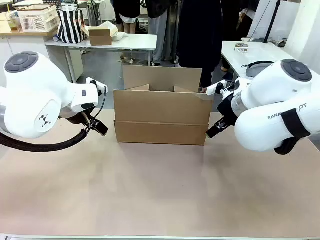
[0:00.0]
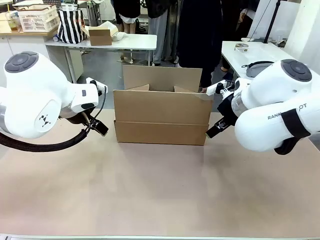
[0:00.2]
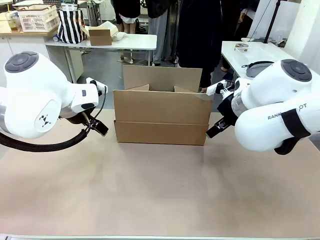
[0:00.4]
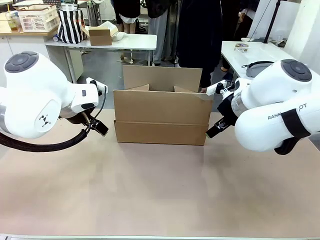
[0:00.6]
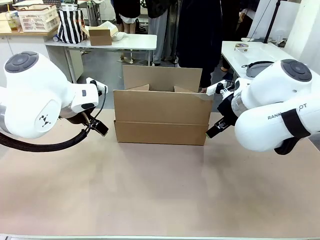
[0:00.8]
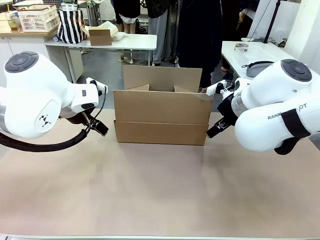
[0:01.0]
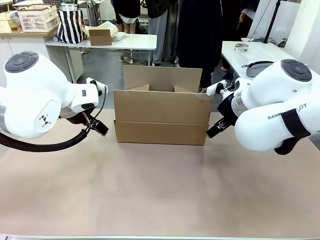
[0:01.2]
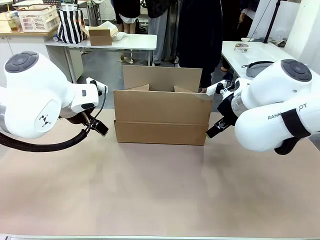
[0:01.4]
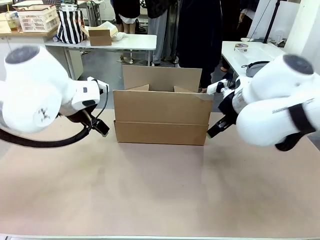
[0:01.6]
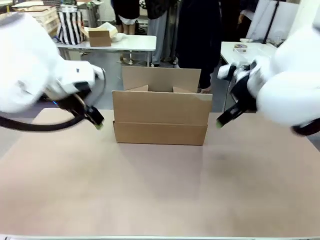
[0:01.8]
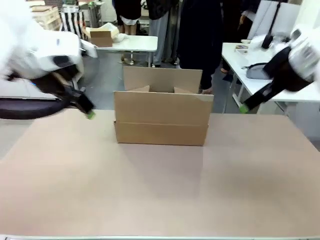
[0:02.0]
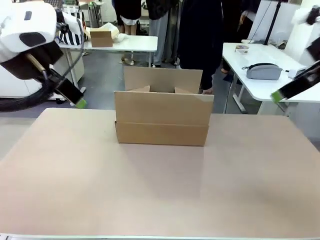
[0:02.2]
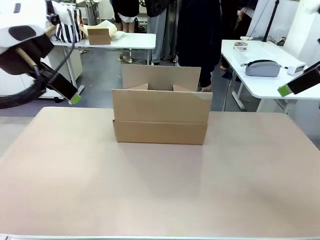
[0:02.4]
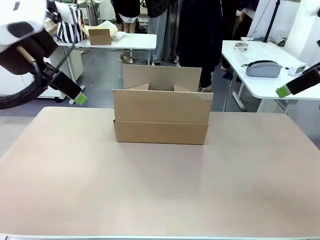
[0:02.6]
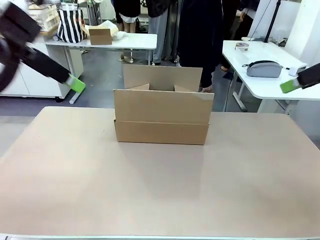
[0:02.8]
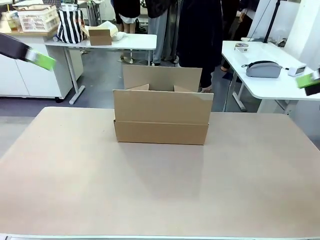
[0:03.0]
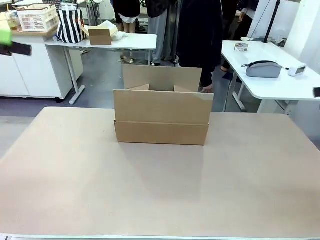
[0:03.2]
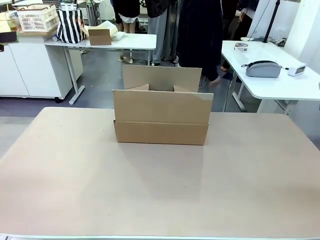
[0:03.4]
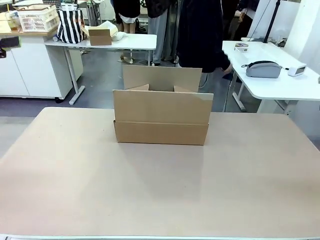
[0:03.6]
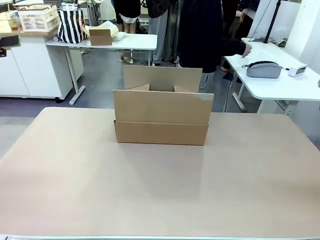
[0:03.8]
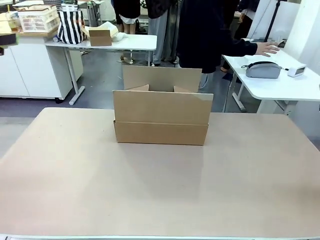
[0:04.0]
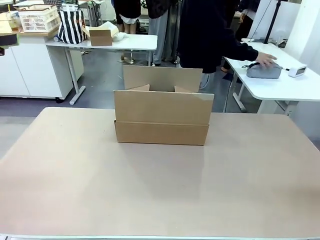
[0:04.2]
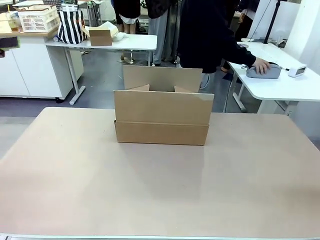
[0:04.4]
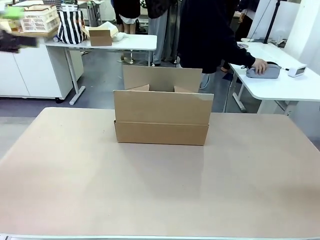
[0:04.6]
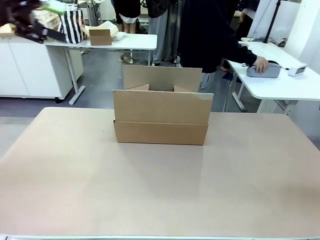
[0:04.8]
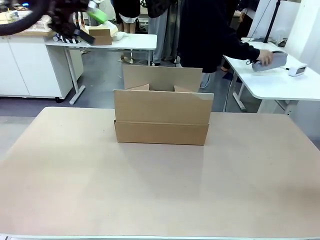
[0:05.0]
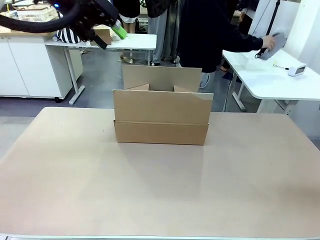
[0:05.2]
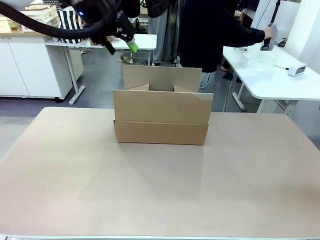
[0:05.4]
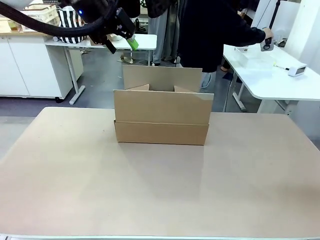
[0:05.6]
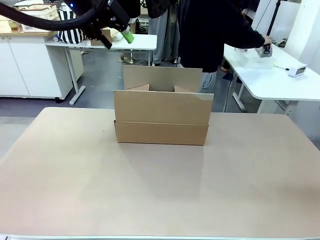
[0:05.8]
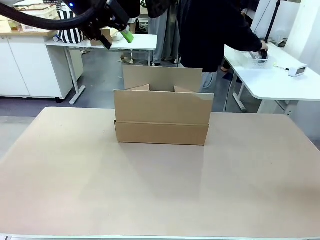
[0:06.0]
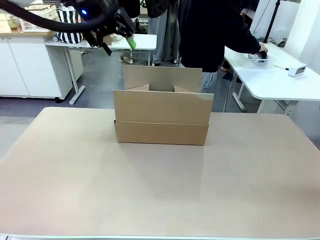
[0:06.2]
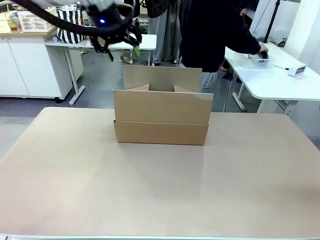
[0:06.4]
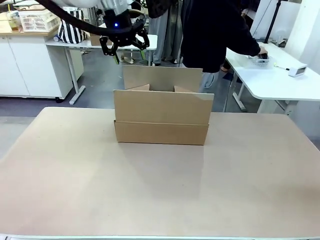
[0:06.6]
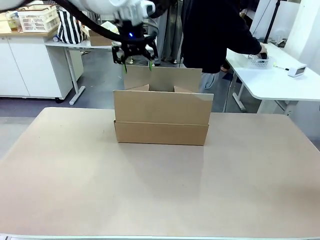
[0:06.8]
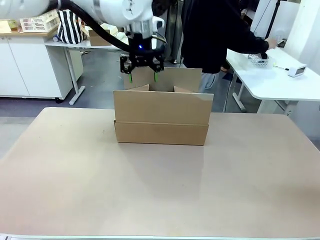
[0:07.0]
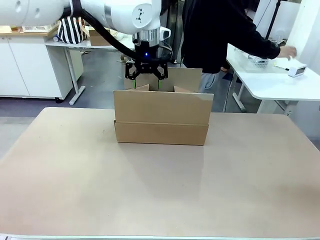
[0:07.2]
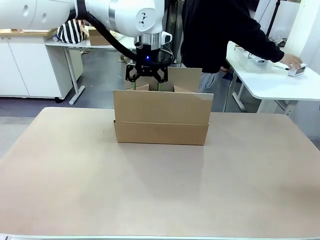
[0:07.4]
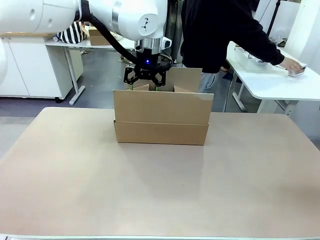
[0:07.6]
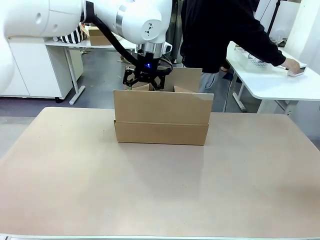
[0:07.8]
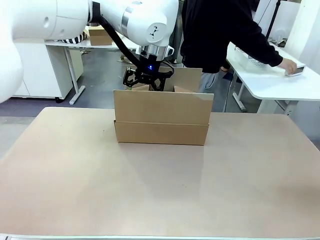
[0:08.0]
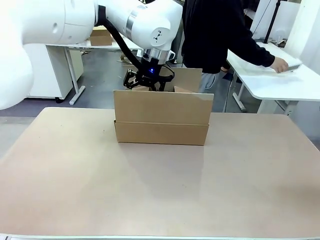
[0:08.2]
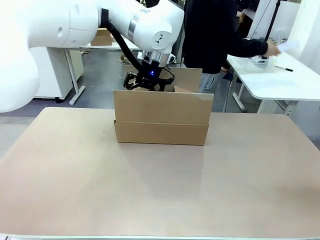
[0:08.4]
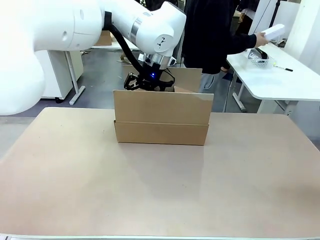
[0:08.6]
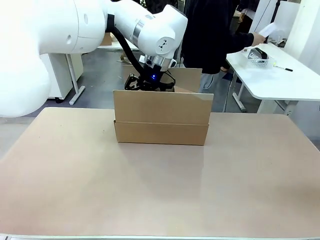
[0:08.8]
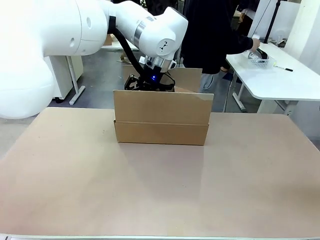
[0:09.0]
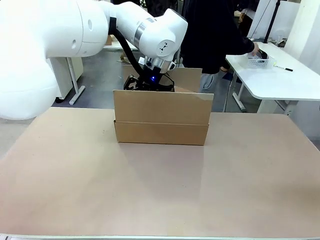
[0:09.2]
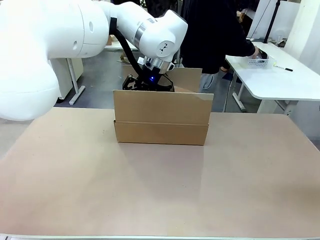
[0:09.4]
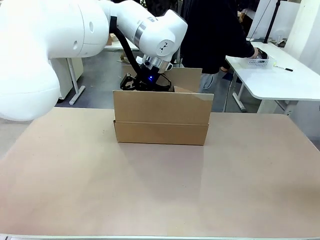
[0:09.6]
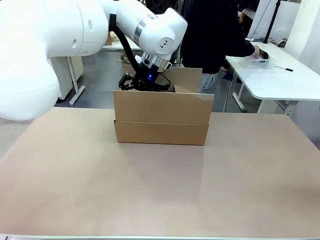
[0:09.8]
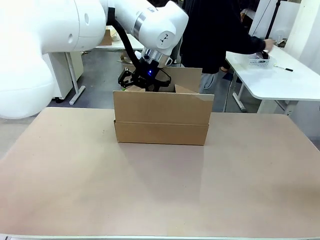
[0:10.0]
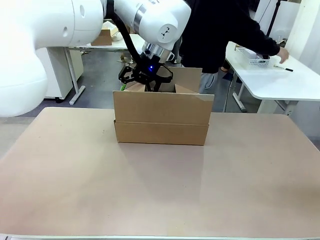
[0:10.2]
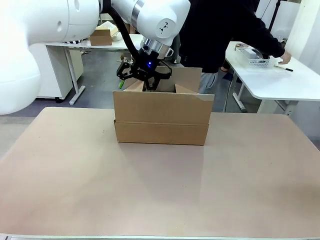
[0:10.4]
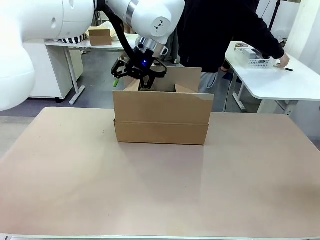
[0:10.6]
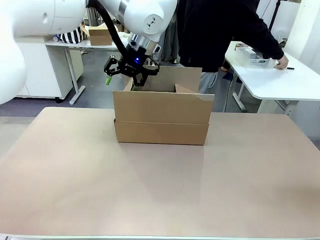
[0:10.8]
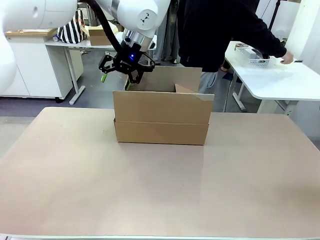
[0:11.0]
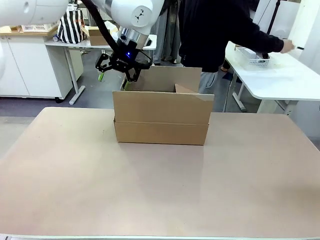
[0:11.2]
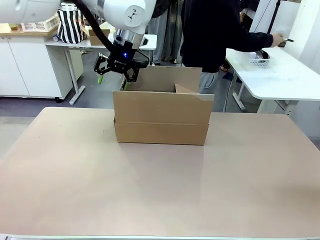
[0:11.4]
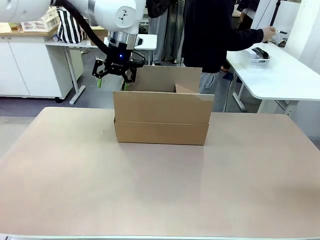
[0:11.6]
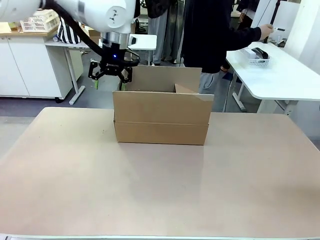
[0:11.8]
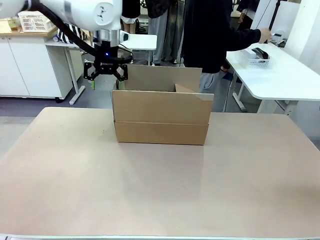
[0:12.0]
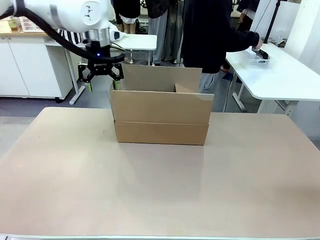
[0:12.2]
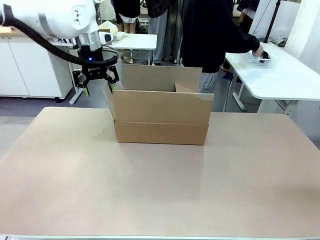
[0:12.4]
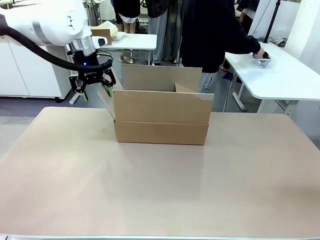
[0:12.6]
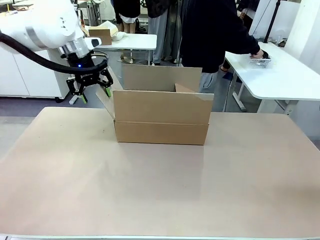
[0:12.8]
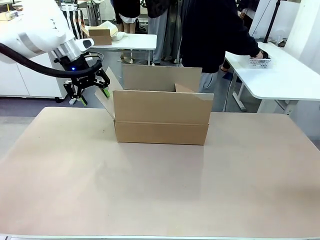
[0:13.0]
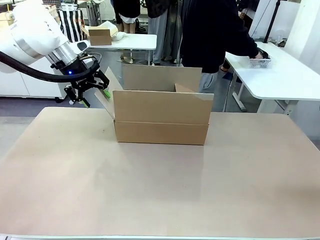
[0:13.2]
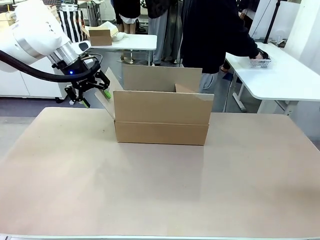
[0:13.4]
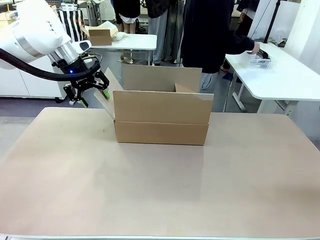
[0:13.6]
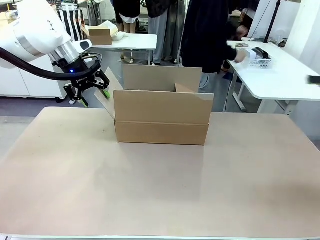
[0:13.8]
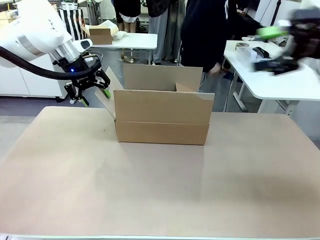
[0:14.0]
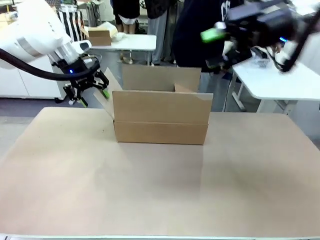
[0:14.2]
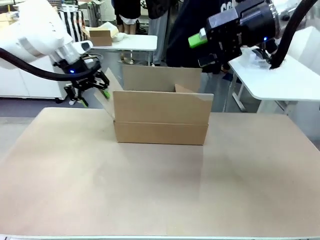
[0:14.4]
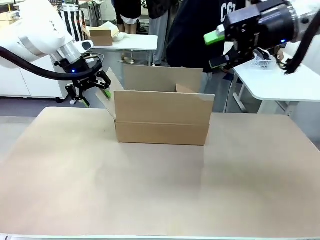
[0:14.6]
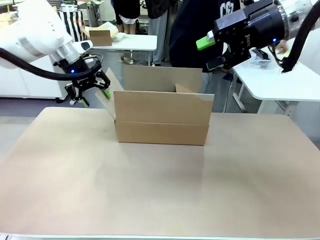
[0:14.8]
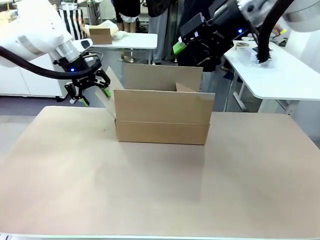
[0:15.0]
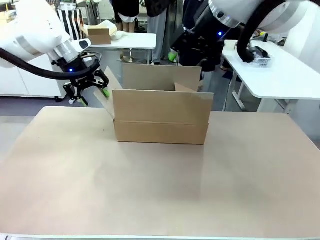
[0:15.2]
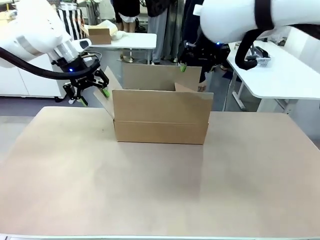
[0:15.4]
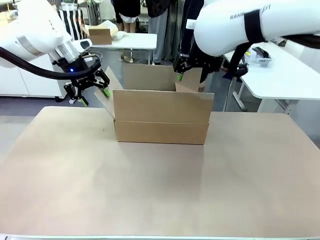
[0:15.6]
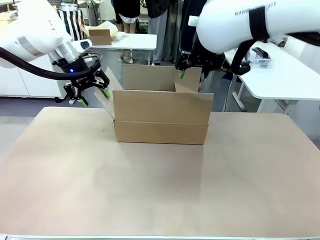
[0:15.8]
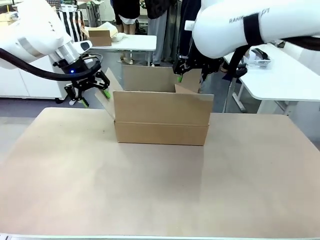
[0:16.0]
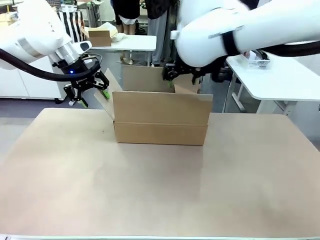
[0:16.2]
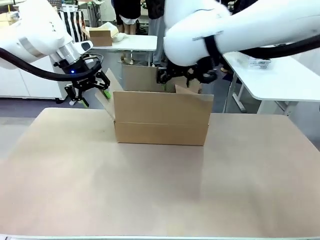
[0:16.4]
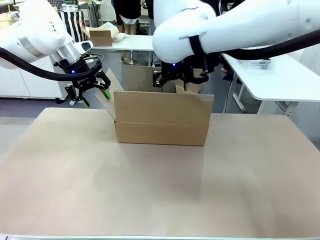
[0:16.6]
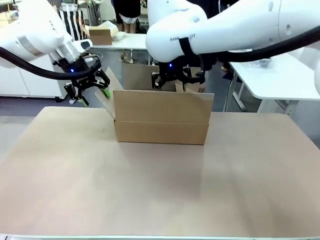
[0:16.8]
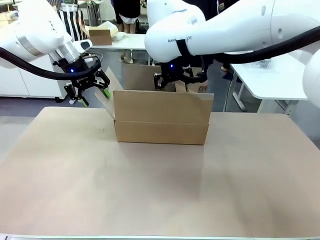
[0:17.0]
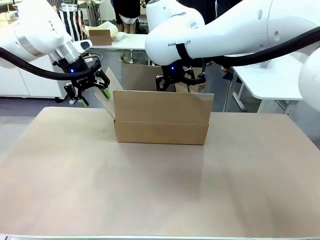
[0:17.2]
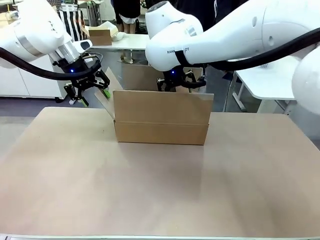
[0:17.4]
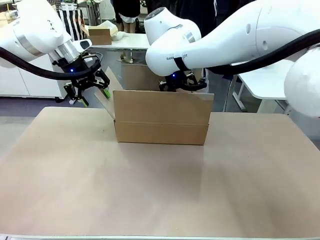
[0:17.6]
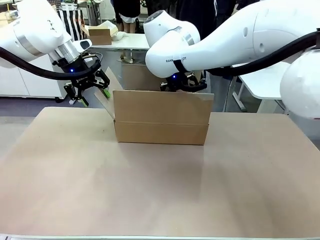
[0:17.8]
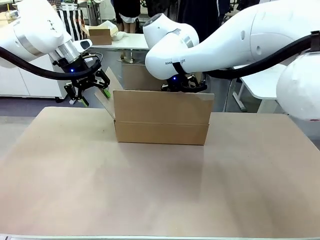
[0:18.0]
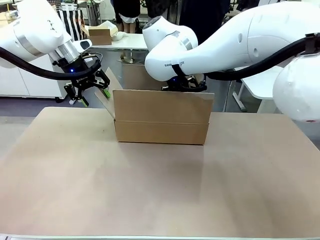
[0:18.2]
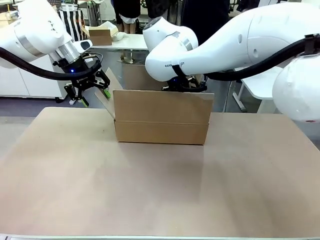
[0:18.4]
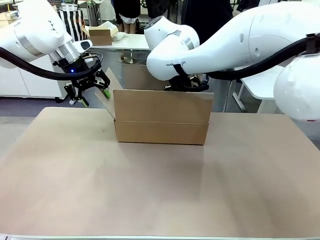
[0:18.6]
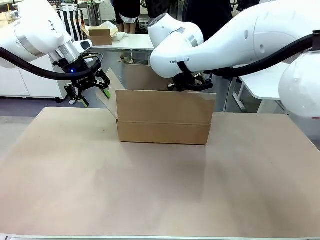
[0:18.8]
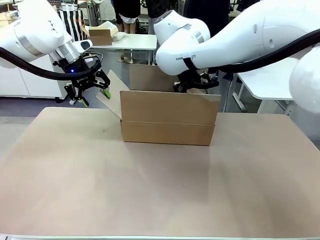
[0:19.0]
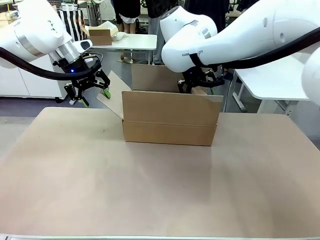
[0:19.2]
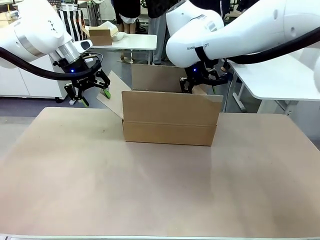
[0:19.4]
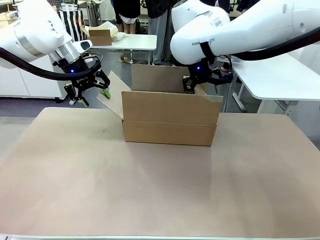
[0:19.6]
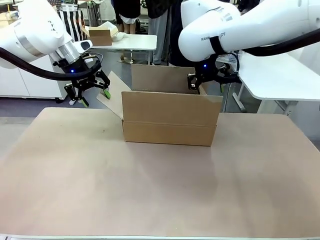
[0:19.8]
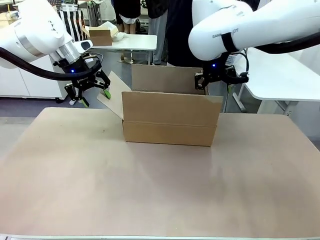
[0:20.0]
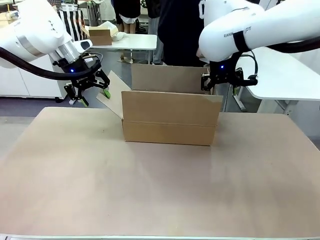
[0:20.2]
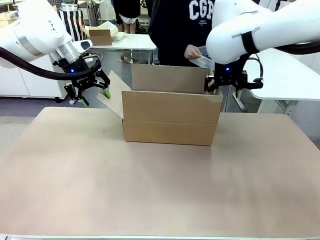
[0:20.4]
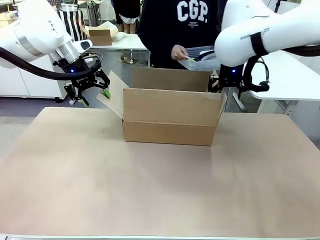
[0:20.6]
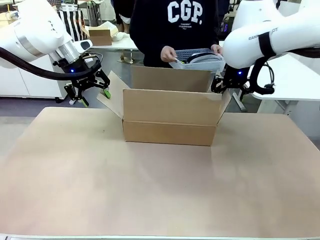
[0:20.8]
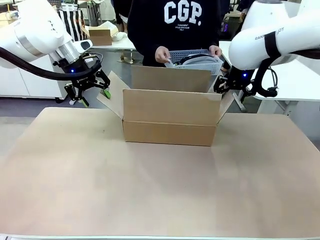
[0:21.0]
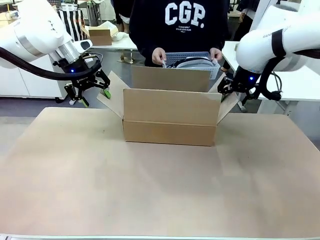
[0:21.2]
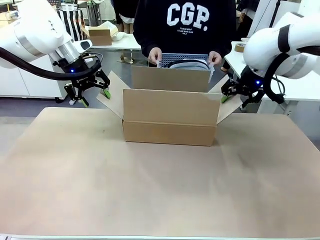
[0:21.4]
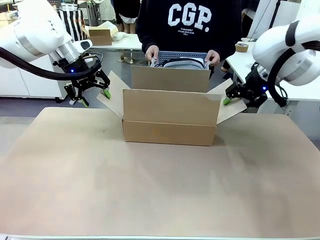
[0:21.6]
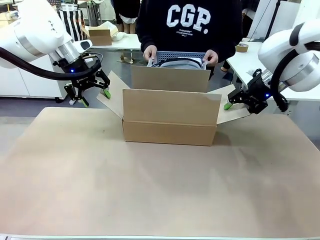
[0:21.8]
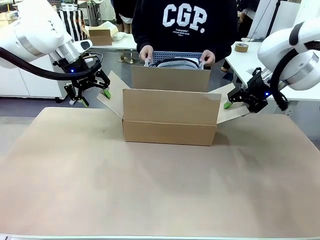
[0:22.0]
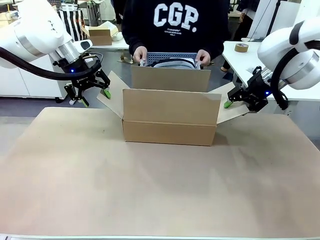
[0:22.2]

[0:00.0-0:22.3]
Task: Pack the gift set into the box.
Robot: Place both hands on the side flaps of the Package Box and spread them outward.
Person: The human places all items except the paper tape into the organizing basket. The human picks up the organizing basket and places the organizing basket into the package box on the robot table.
